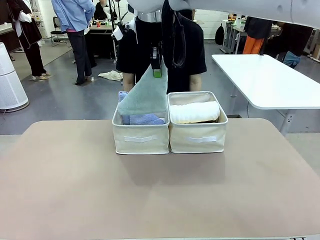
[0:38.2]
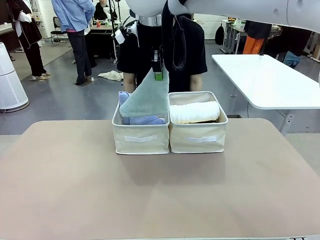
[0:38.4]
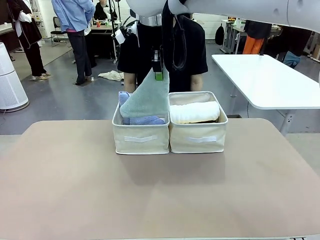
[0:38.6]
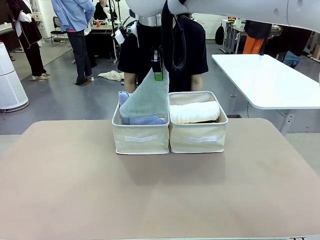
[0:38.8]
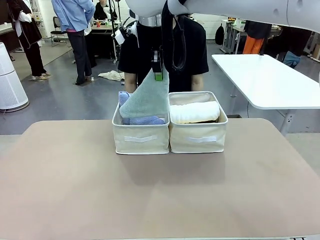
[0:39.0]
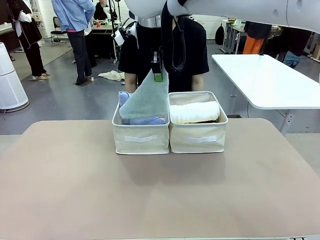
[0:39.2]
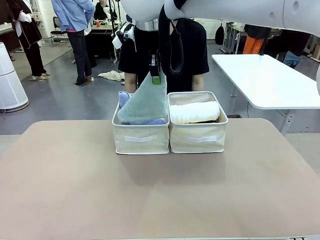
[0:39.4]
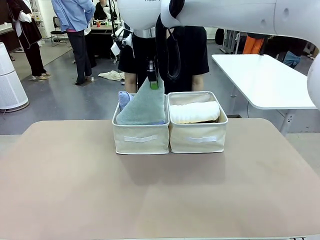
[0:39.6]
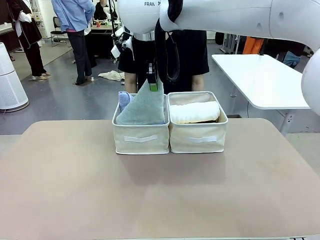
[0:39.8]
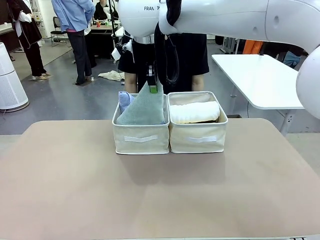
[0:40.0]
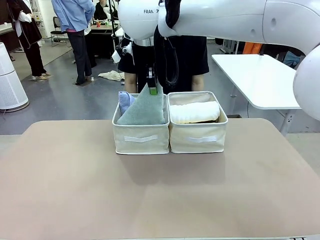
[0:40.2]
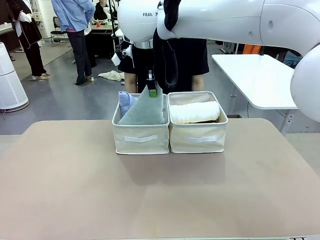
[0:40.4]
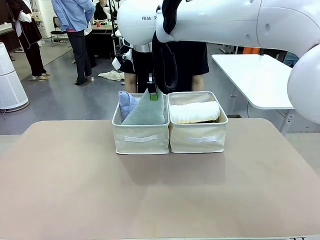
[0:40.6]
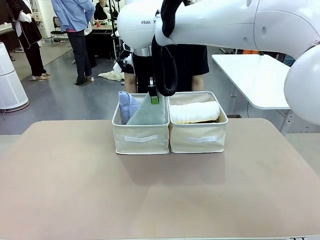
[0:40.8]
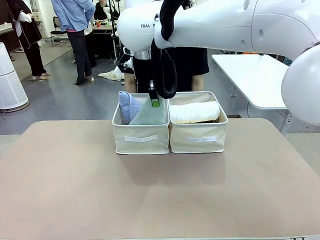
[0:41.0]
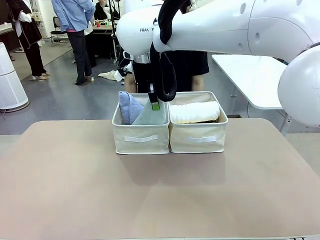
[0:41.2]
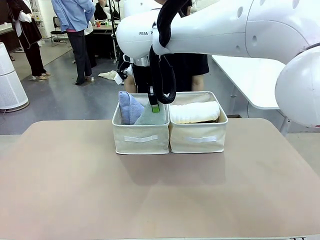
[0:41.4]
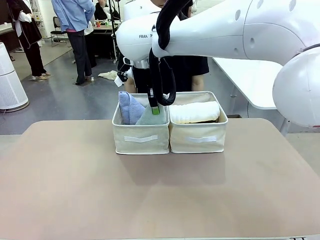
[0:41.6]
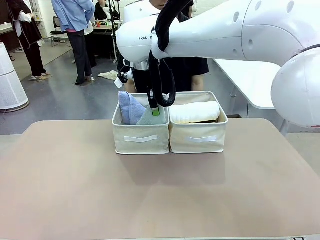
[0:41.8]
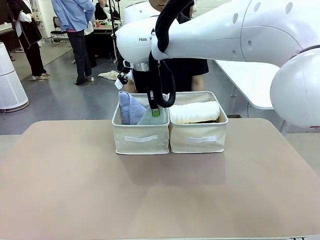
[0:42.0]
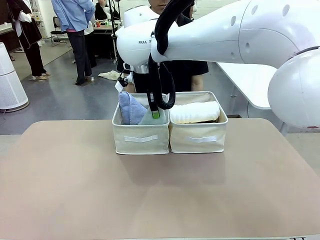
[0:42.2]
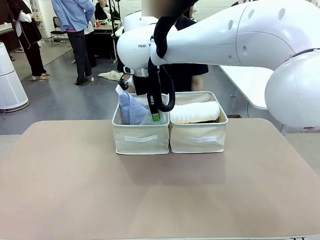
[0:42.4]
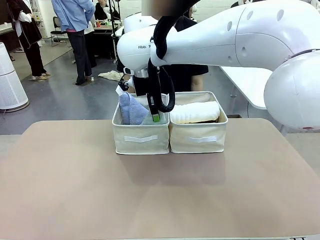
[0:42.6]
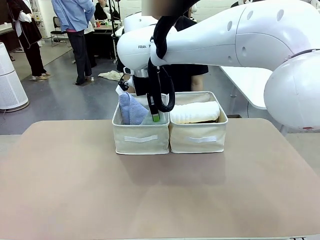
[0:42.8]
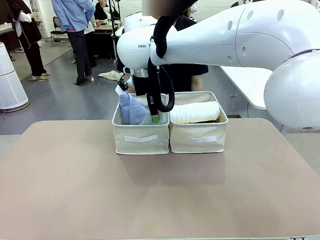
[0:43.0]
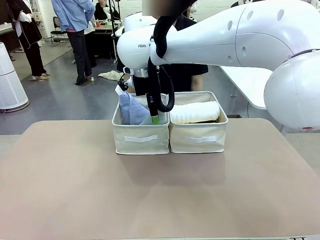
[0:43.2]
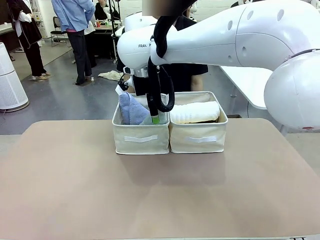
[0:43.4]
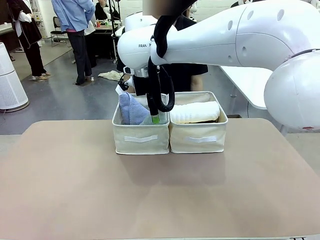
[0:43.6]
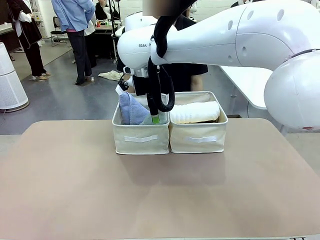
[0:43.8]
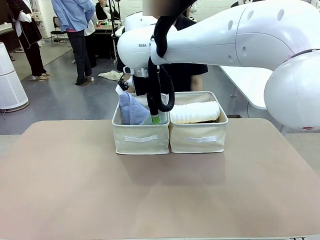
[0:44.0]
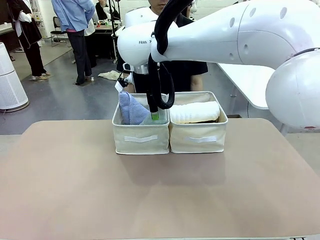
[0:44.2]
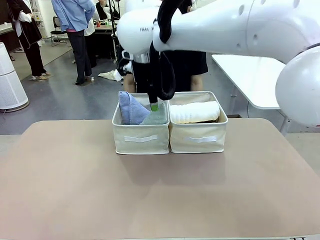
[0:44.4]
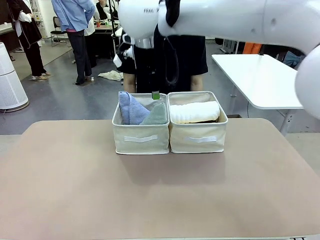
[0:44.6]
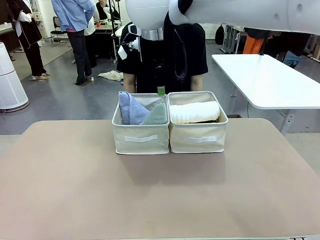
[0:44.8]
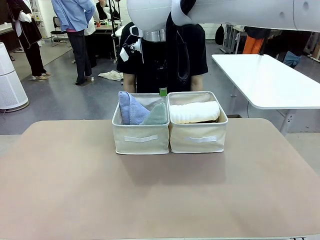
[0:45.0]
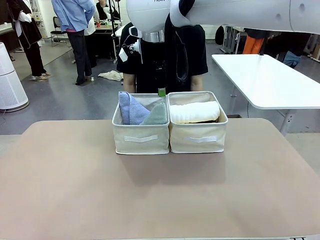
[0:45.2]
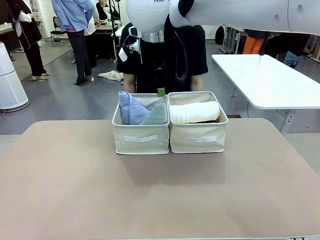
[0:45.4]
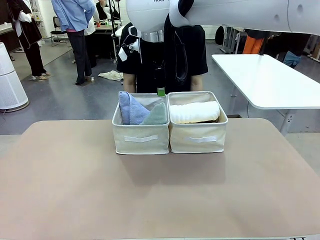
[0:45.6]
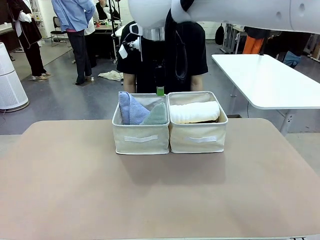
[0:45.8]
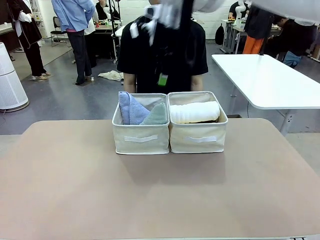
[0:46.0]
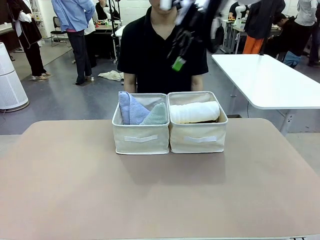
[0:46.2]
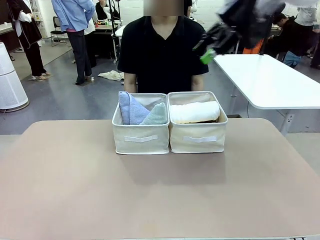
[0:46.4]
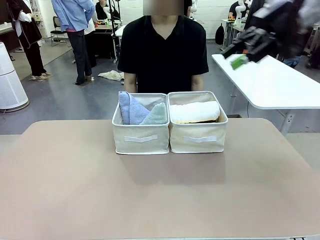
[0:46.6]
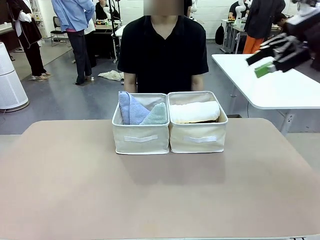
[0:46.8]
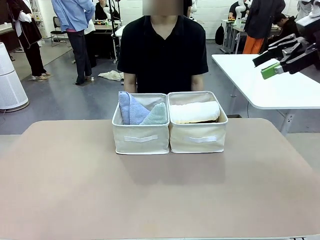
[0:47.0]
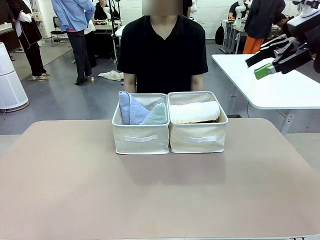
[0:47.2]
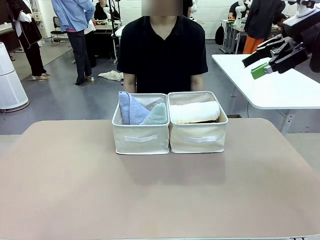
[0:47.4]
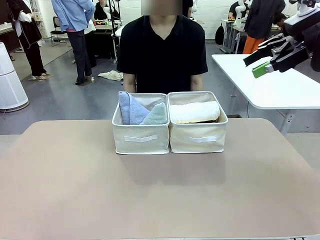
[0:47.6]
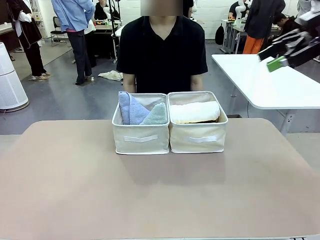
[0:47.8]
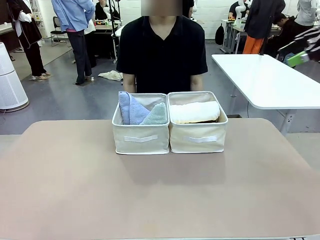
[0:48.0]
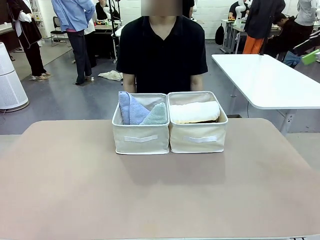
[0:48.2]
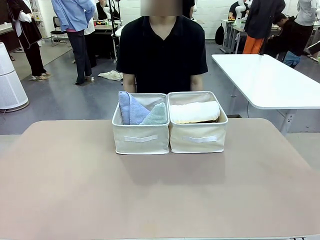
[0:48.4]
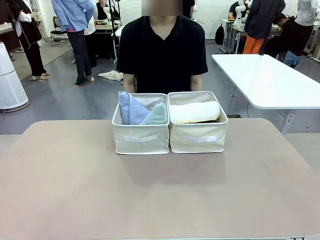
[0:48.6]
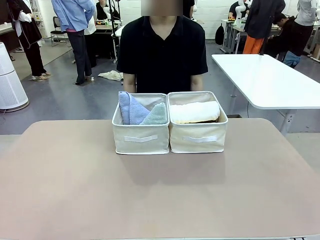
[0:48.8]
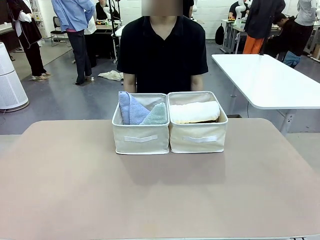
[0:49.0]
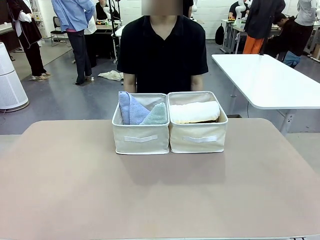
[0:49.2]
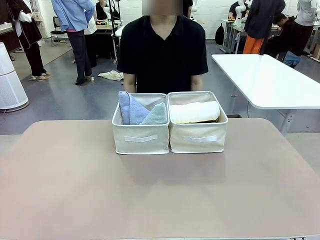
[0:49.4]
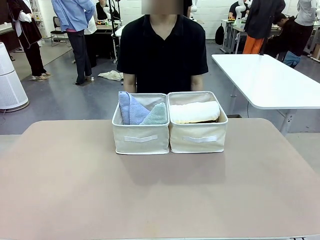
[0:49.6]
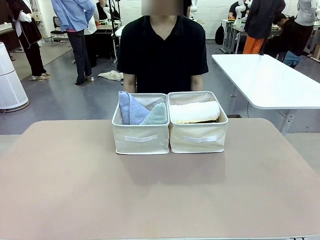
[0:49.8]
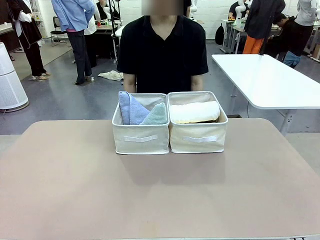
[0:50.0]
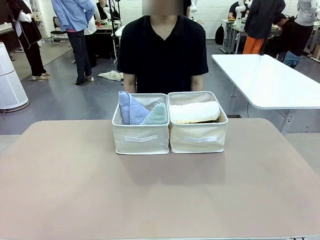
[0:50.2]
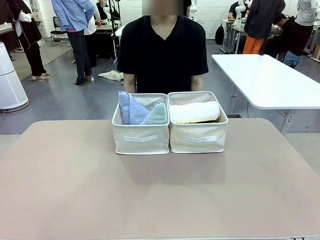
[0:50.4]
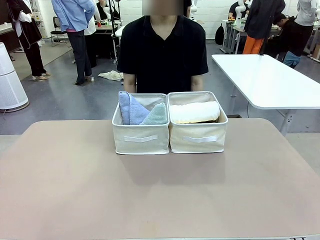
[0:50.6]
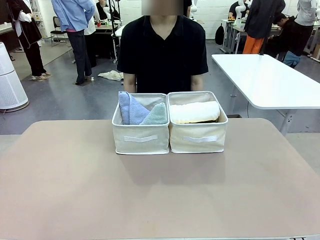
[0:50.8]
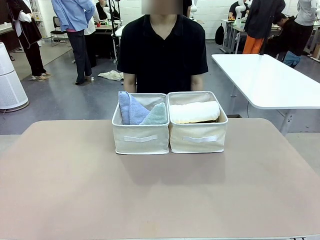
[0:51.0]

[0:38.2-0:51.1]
Task: Sort the towels based on their folding style.
Robot: Pick up another triangle-folded towel from the table and place it in the left Fabric basket.

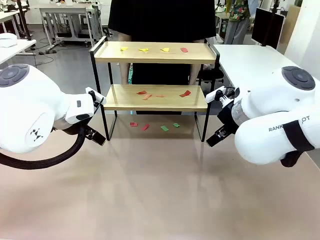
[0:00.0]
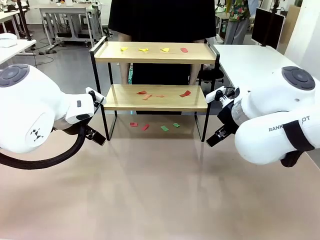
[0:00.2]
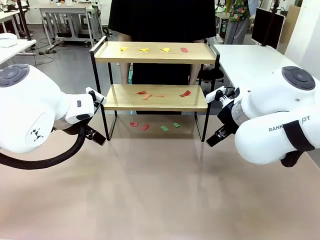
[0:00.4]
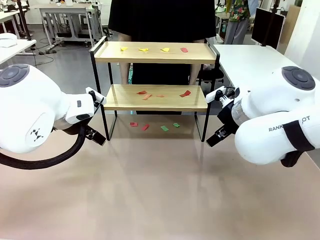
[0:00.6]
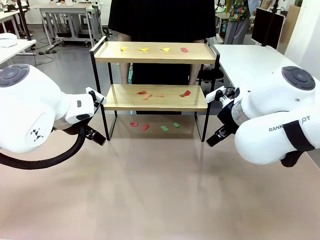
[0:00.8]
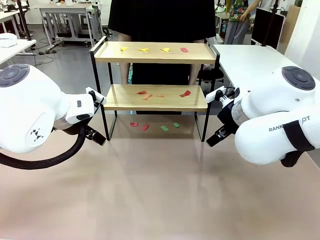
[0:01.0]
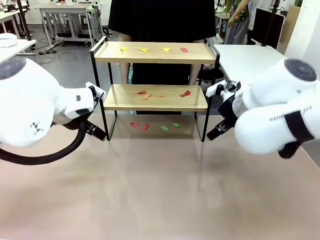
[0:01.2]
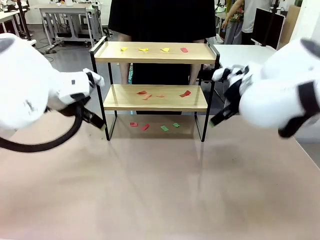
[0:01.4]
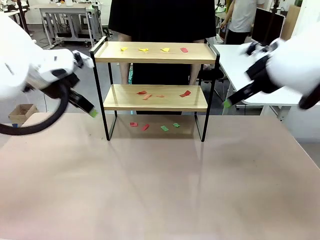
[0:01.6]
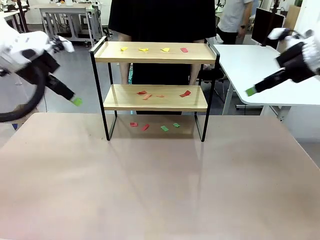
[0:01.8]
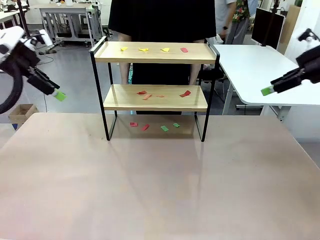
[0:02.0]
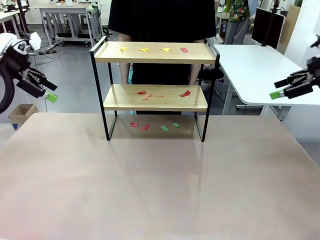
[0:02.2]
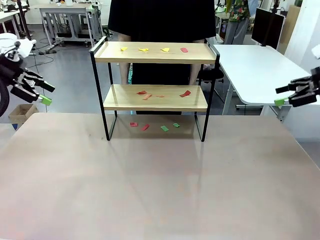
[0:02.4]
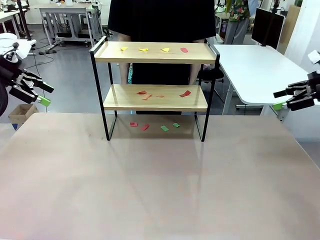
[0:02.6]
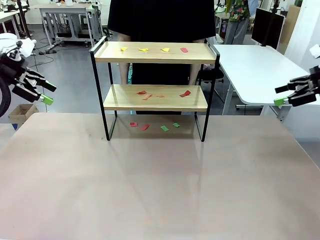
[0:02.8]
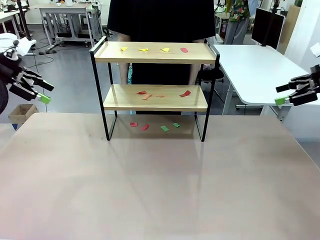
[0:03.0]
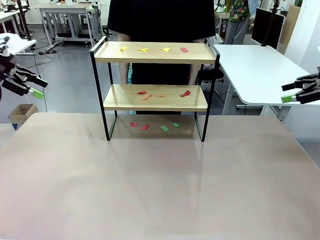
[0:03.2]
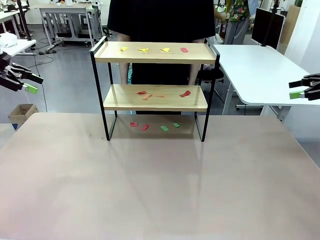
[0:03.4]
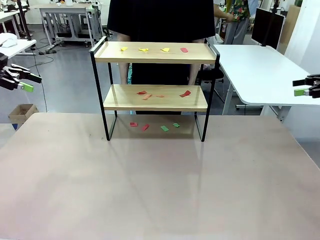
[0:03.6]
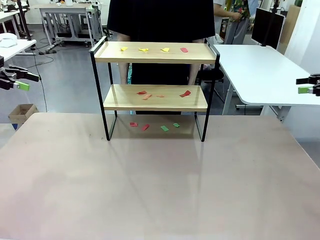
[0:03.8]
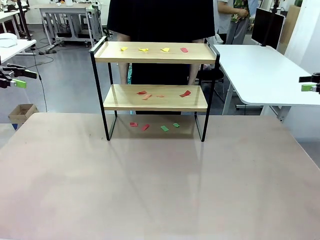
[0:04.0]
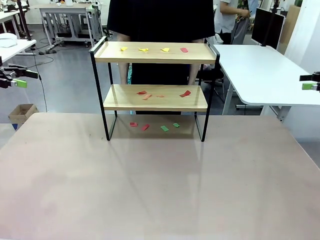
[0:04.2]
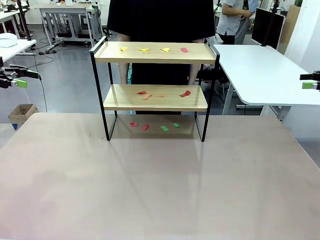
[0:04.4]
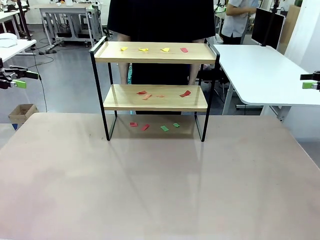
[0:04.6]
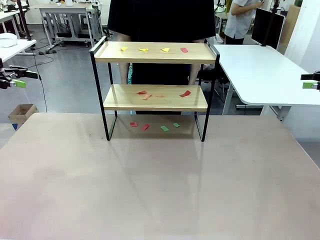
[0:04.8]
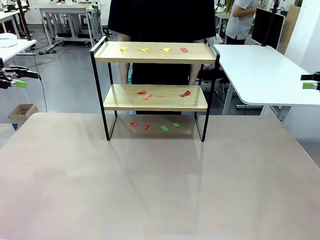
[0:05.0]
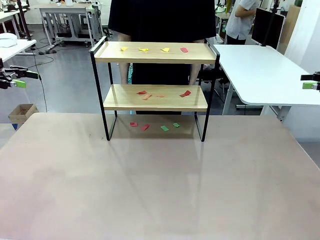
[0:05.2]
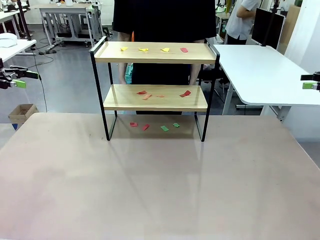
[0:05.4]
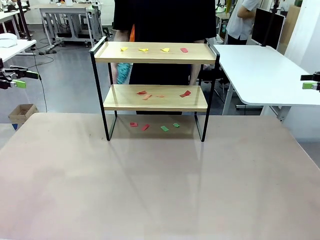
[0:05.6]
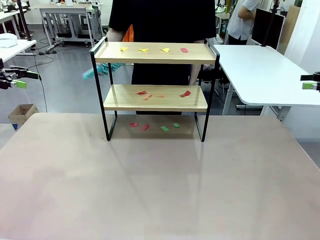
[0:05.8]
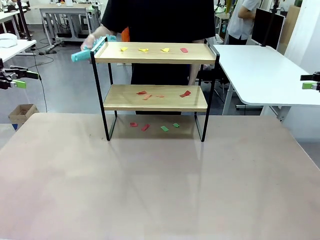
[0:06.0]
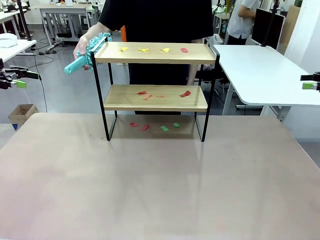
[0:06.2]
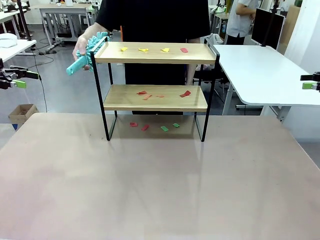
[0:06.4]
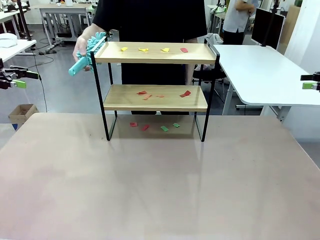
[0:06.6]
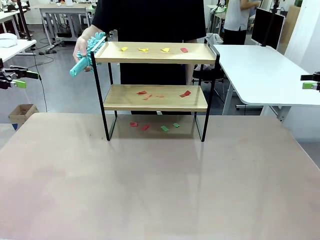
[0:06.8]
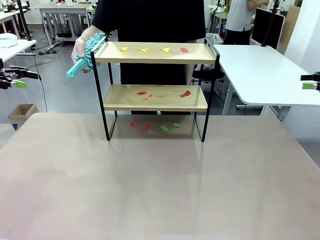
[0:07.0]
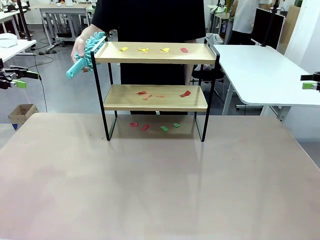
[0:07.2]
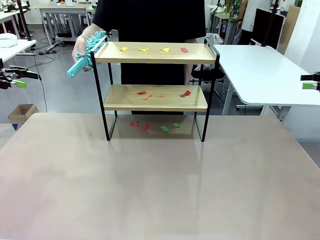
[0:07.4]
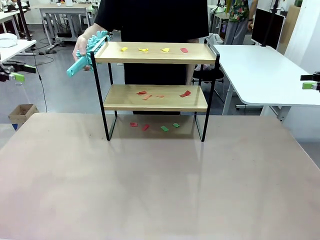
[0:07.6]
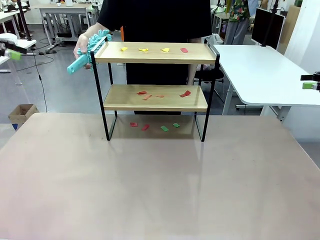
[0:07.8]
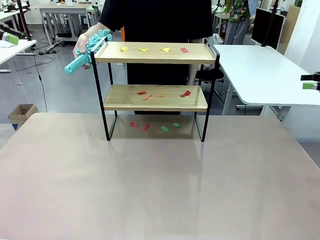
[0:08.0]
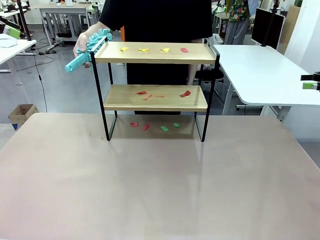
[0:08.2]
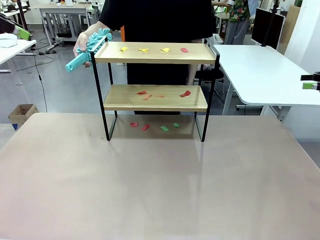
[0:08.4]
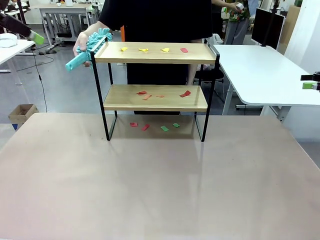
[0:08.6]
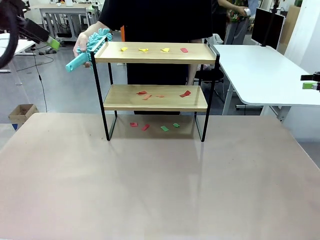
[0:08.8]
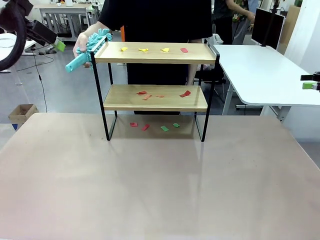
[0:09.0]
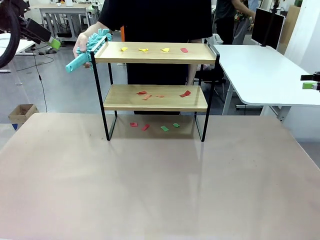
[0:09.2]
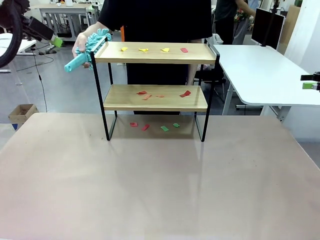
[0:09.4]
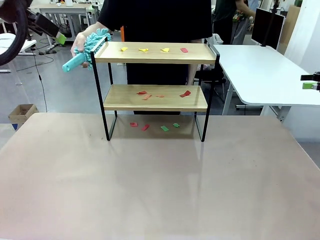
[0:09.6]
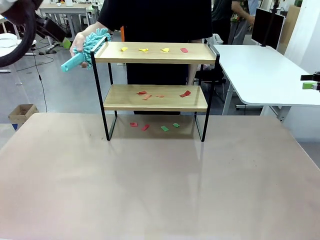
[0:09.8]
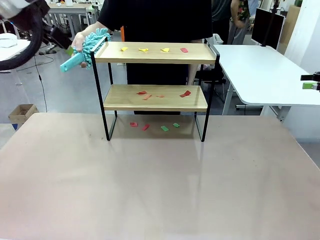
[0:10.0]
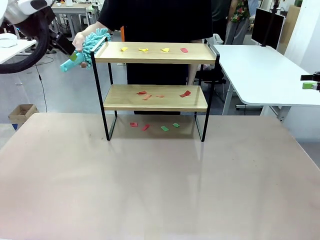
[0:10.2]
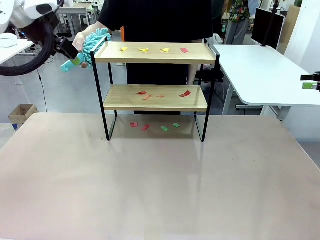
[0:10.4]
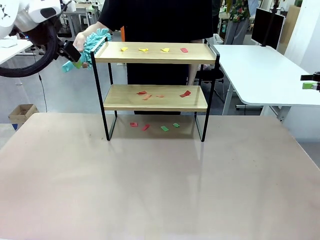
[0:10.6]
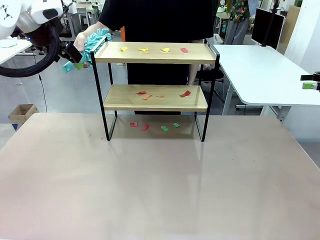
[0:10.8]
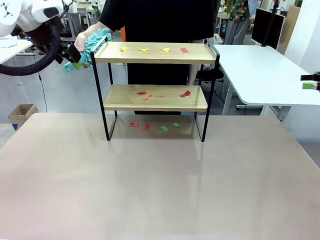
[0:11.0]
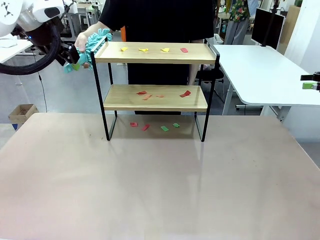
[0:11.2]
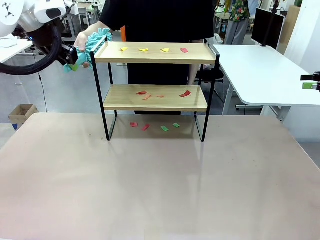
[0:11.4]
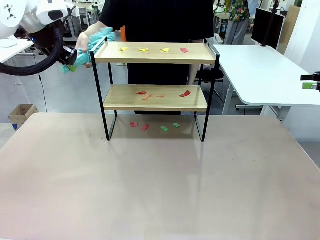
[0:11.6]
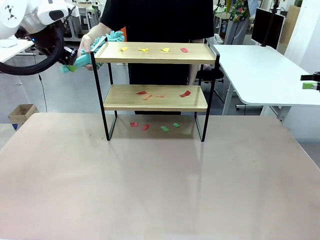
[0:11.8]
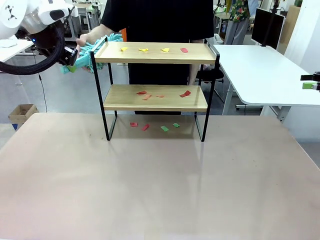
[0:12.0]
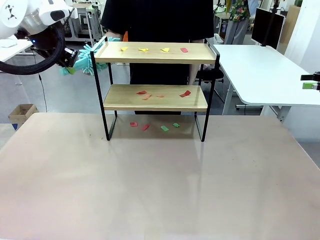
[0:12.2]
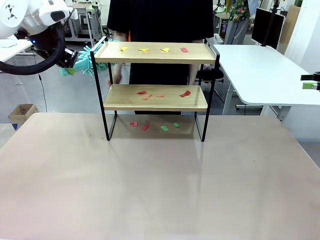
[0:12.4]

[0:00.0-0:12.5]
Task: Clean the shelf.
Robot: Pick up the Duster handed by the human.
Person: Hand the Duster to the robot.
